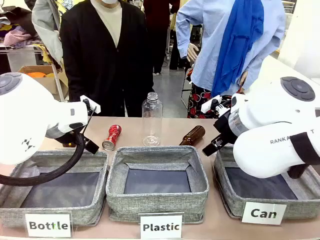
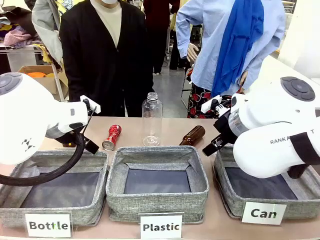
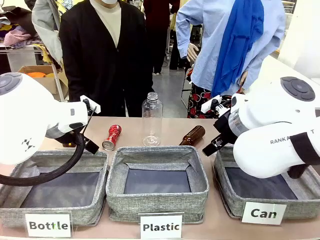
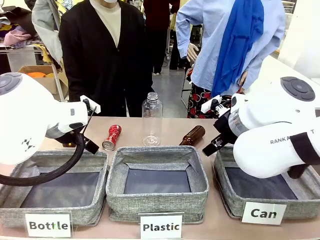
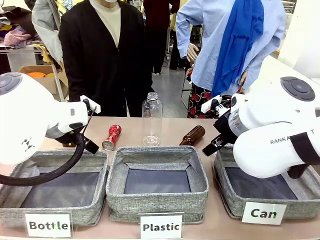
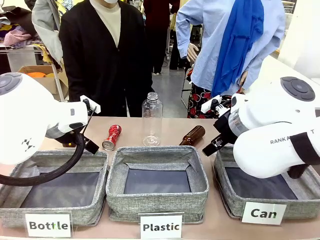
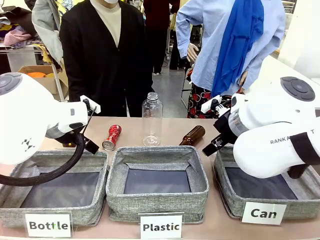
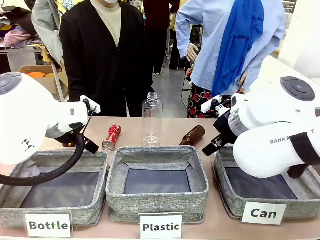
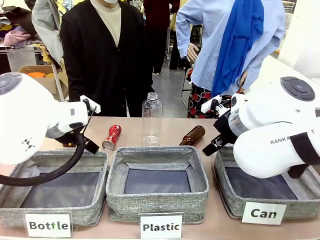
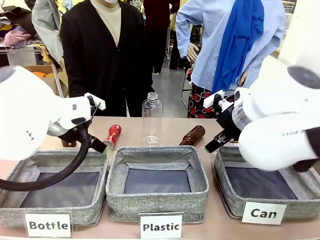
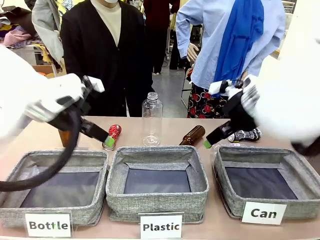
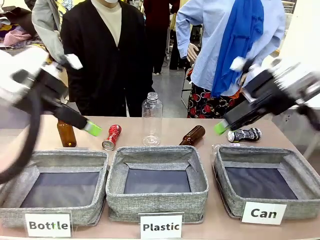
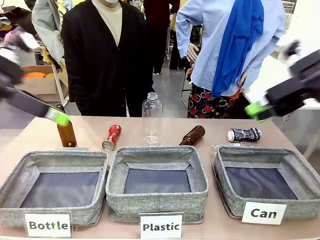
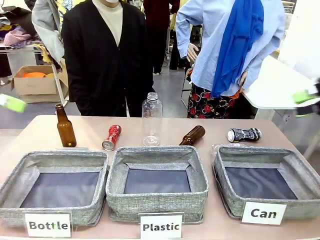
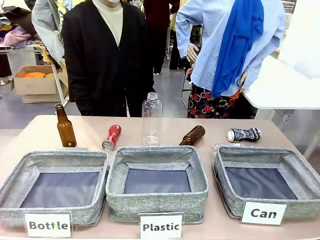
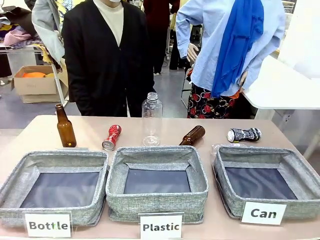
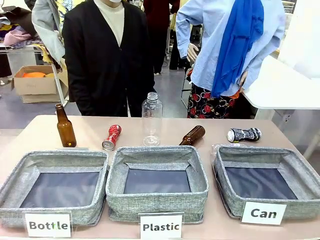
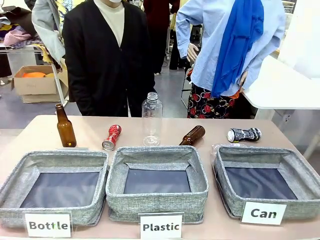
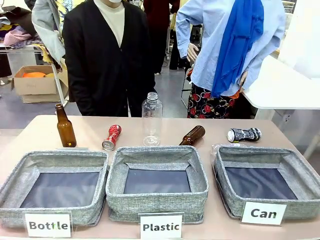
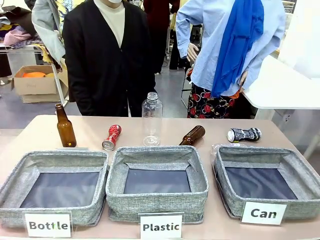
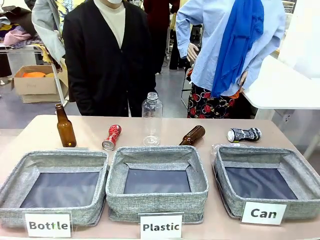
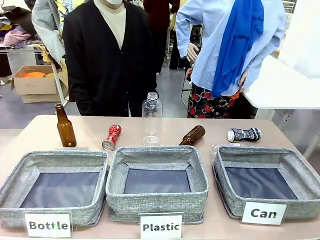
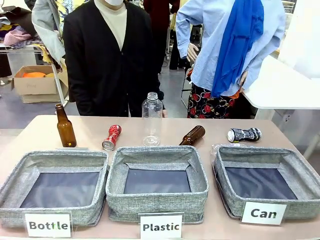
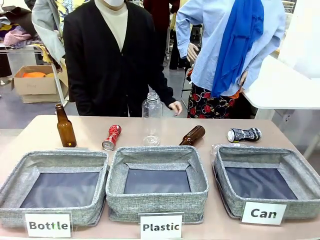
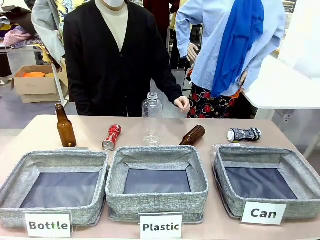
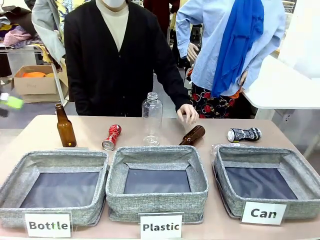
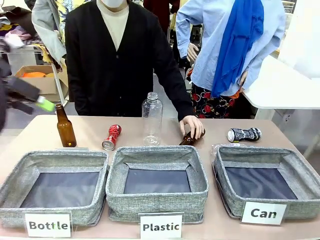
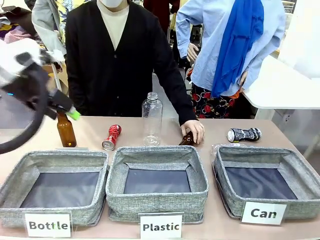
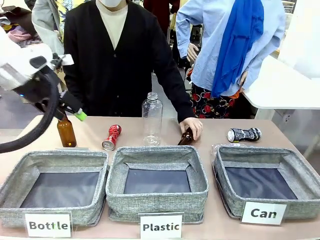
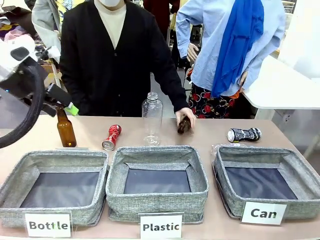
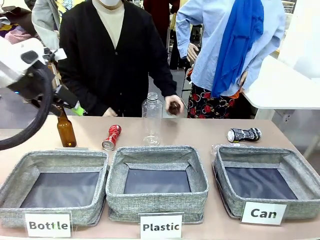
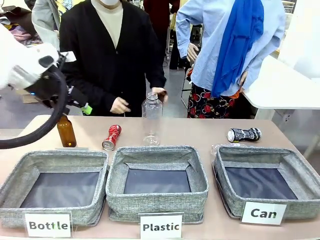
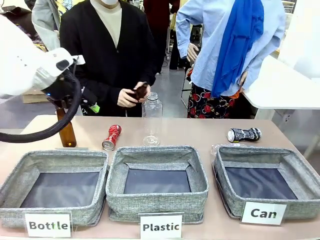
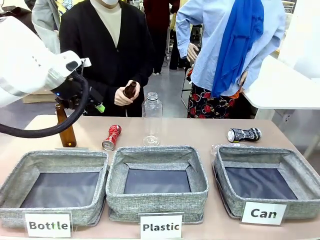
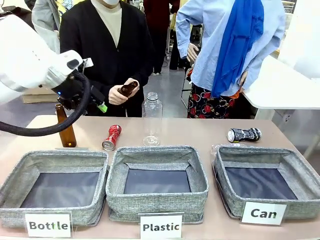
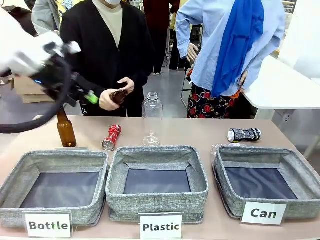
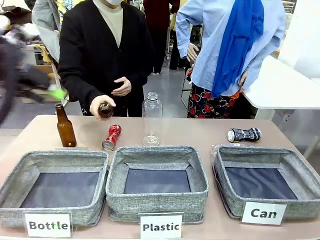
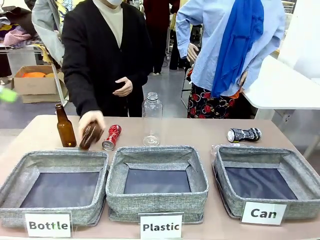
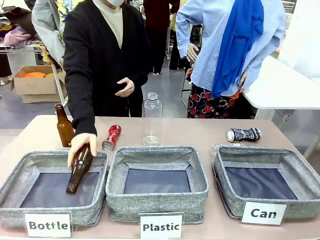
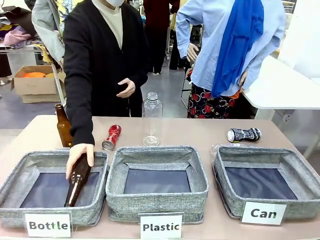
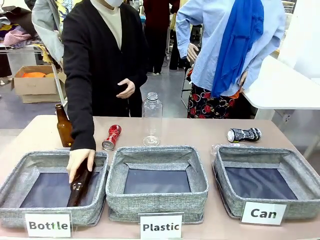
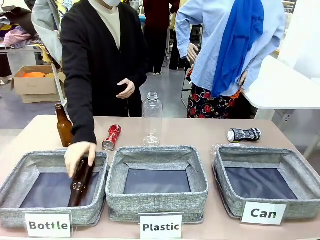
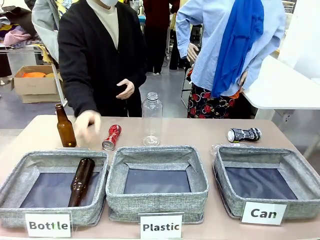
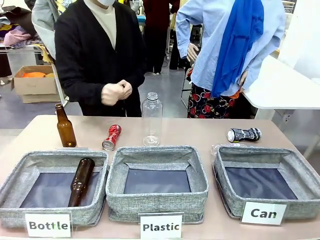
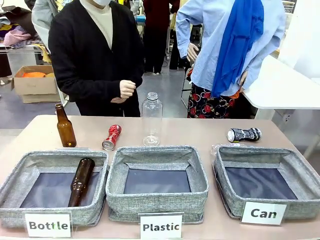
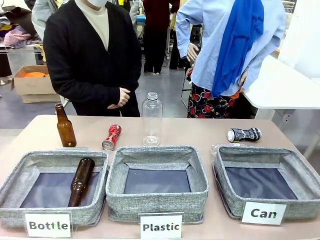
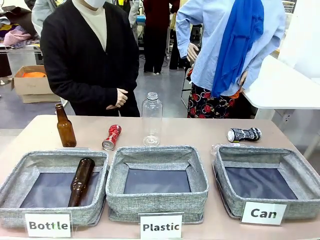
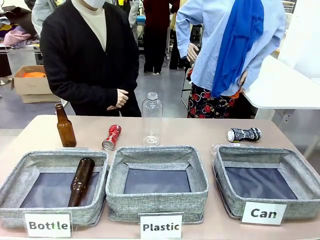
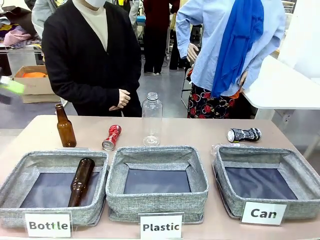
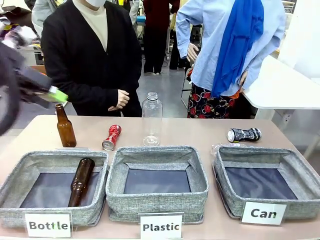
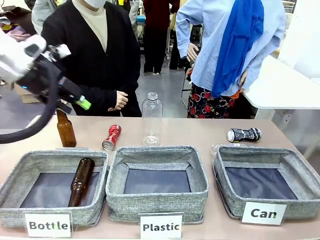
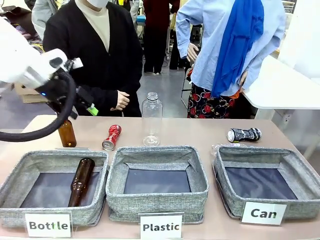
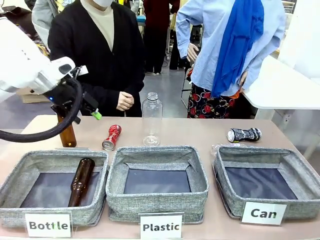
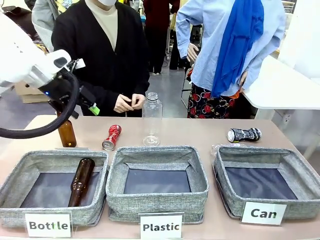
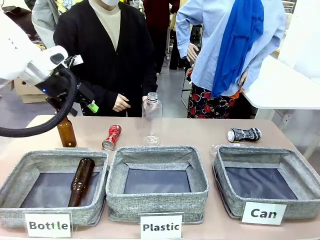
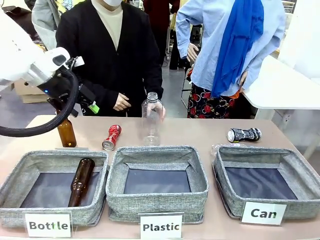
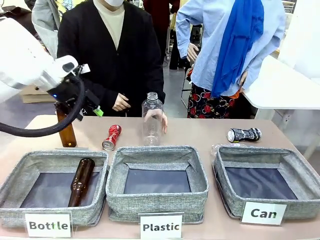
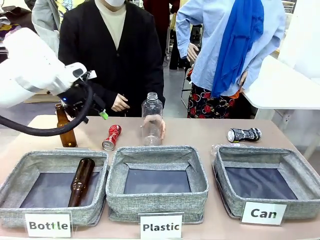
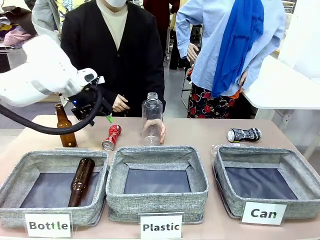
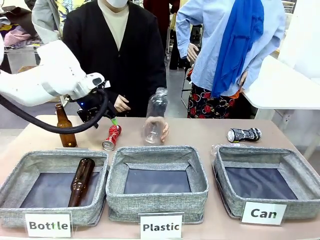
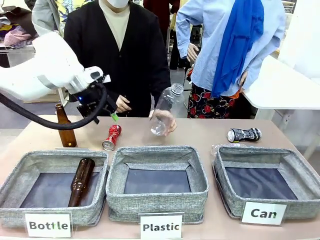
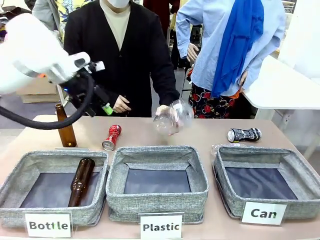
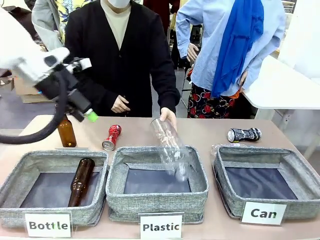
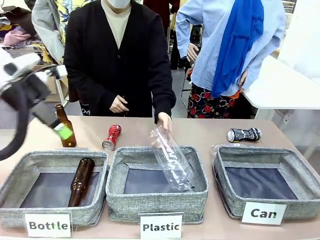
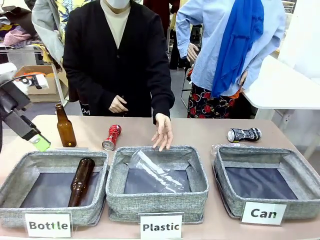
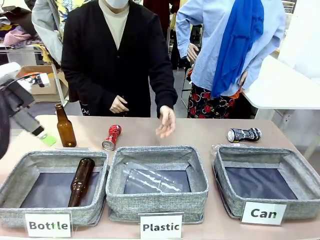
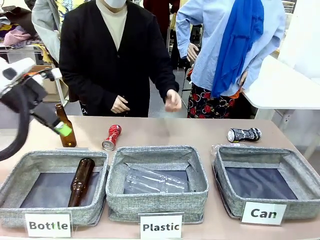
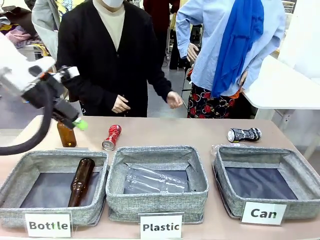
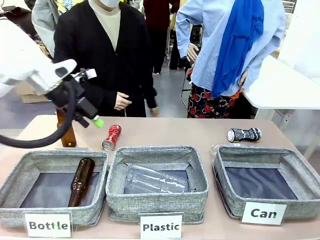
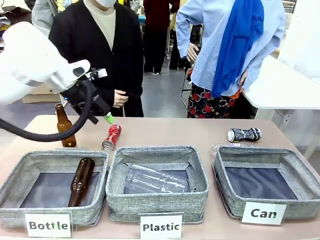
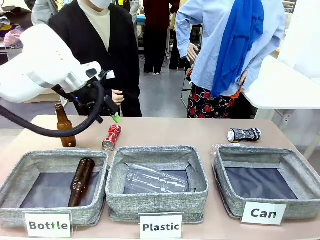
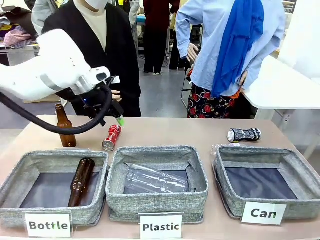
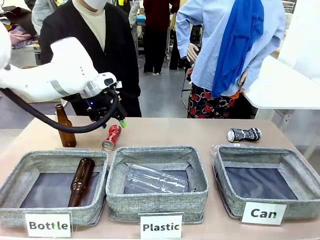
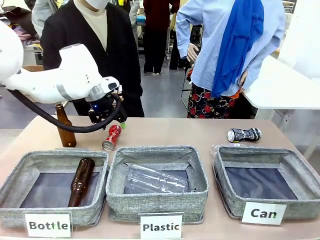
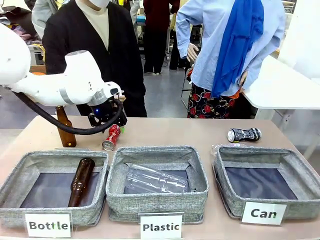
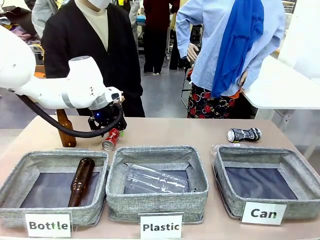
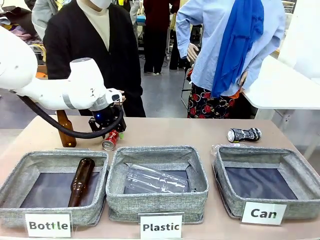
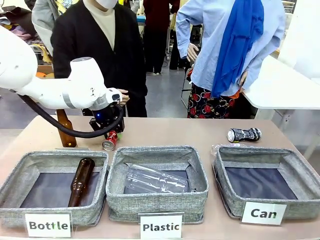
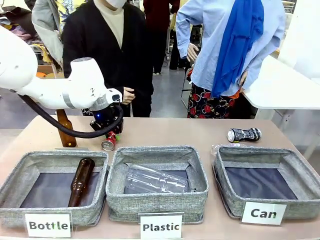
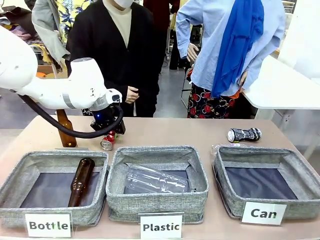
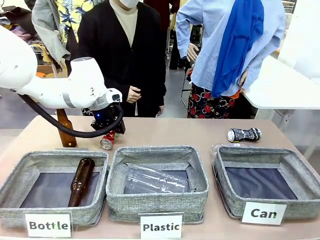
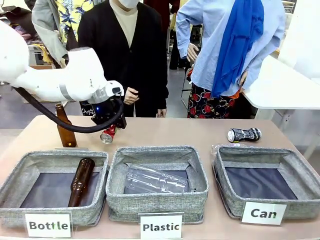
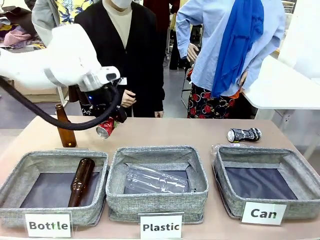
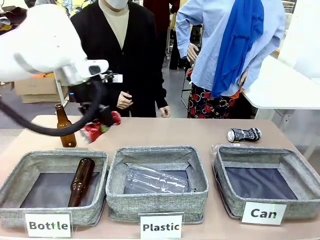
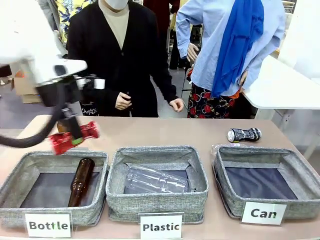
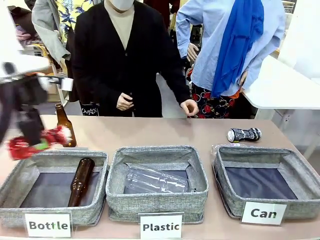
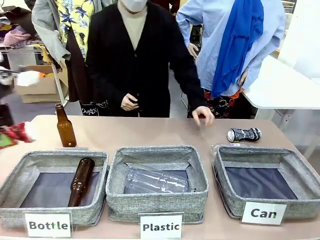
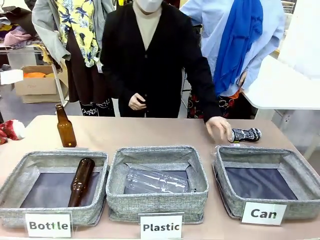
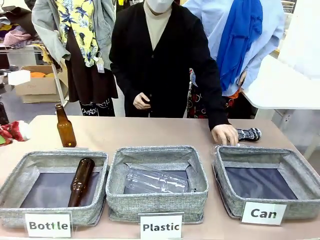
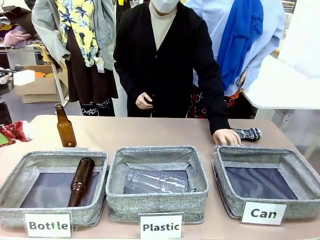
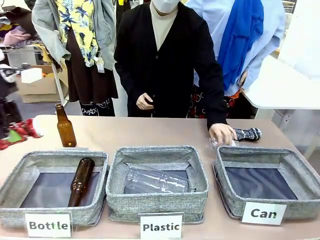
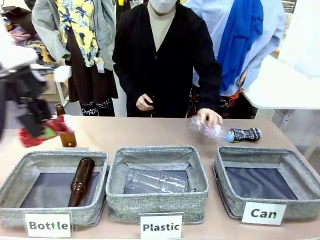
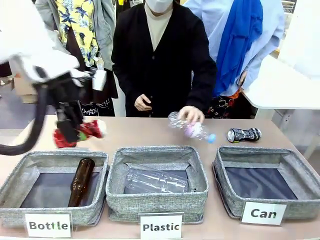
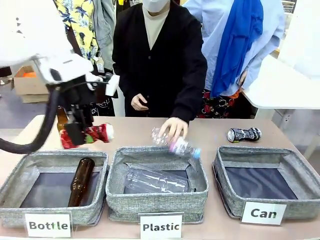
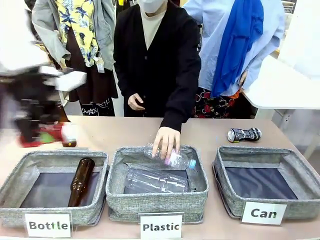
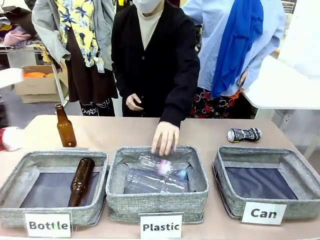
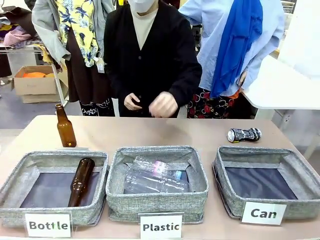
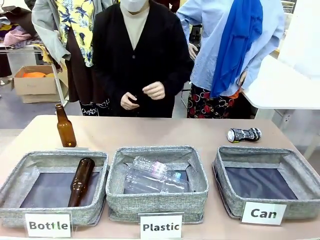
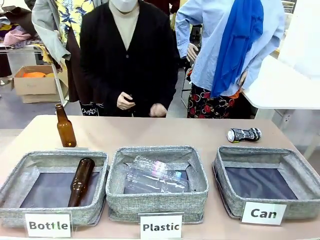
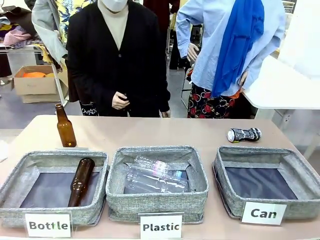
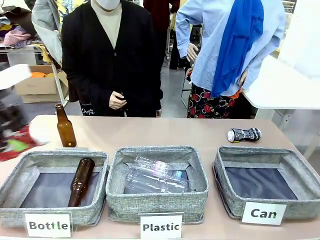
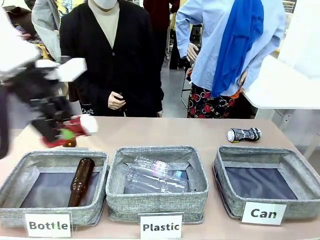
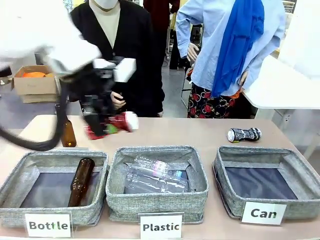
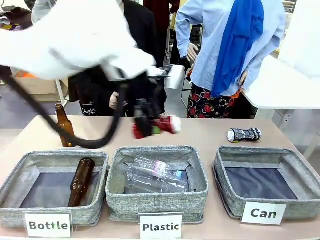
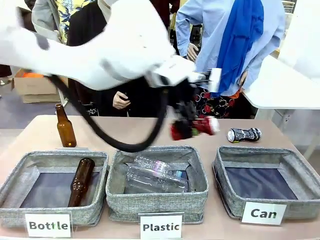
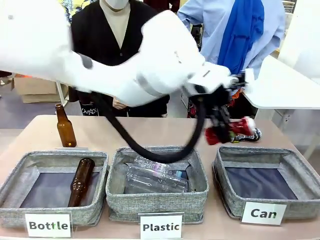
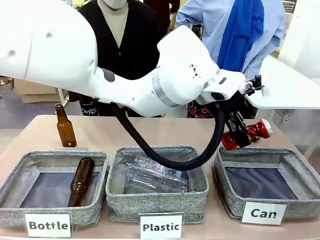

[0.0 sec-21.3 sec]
Task: Sort the can waste into the basket.
Robot: Pick up the can waste from the table and place it in the right Fabric basket.
